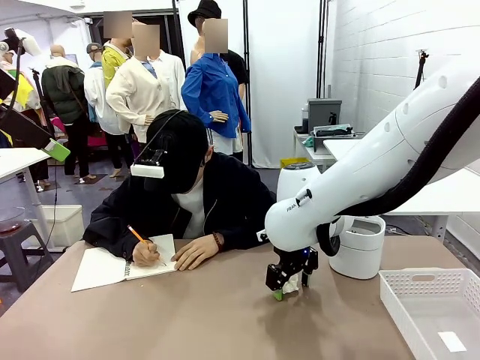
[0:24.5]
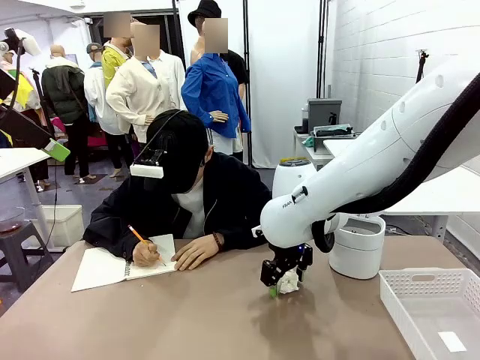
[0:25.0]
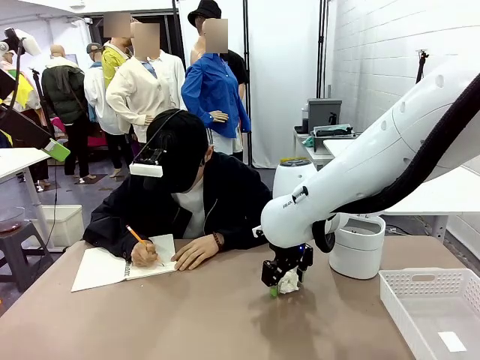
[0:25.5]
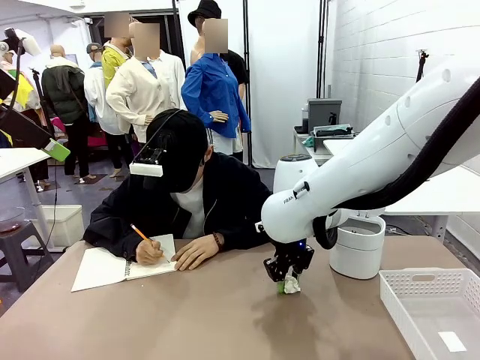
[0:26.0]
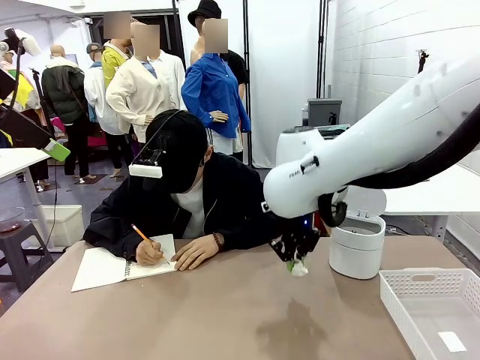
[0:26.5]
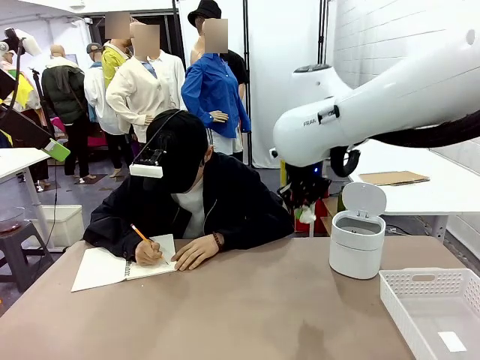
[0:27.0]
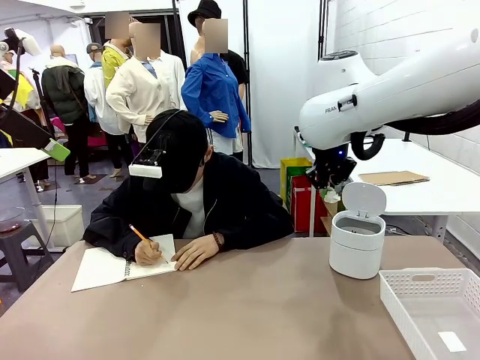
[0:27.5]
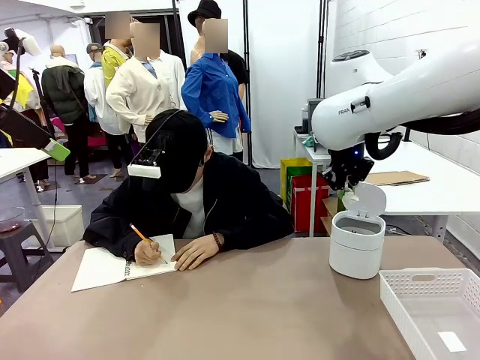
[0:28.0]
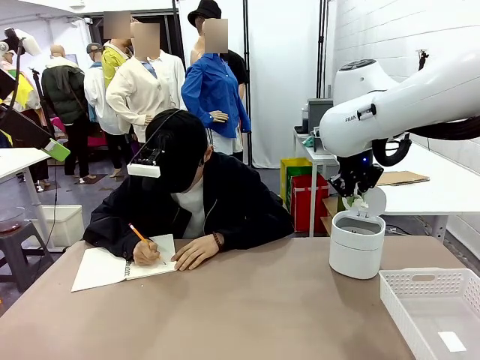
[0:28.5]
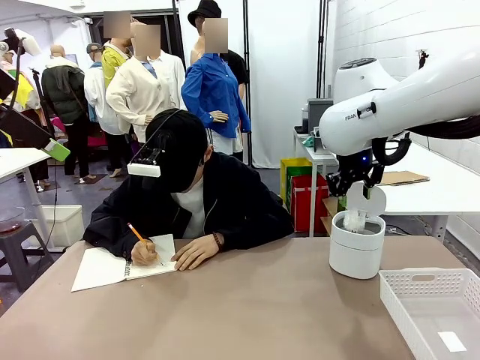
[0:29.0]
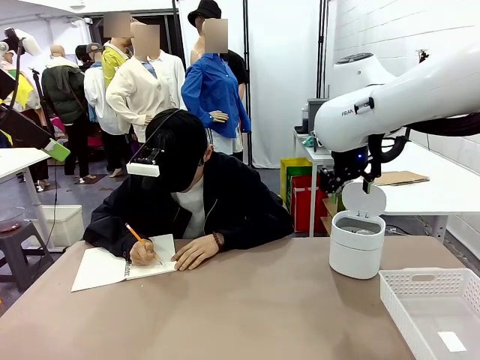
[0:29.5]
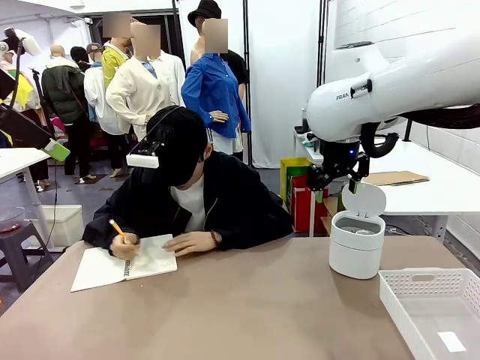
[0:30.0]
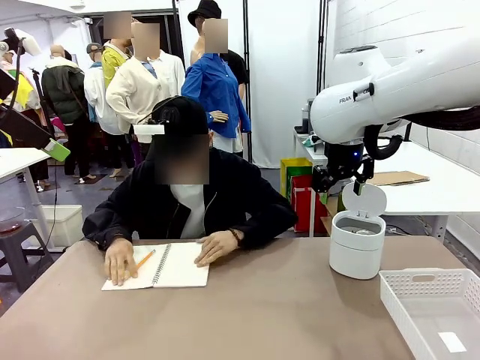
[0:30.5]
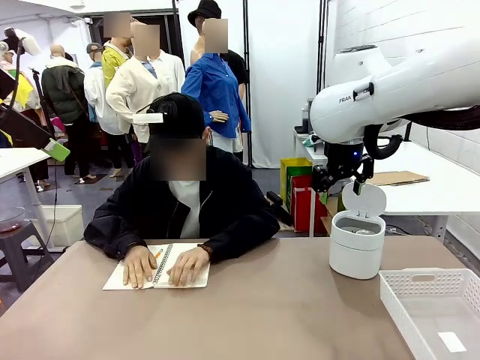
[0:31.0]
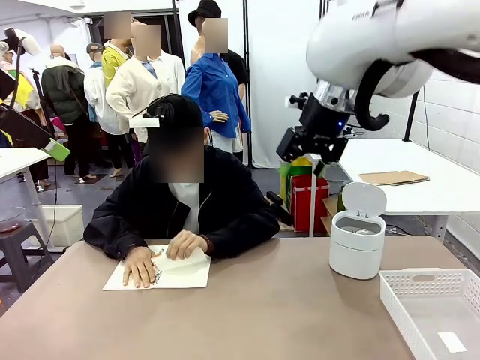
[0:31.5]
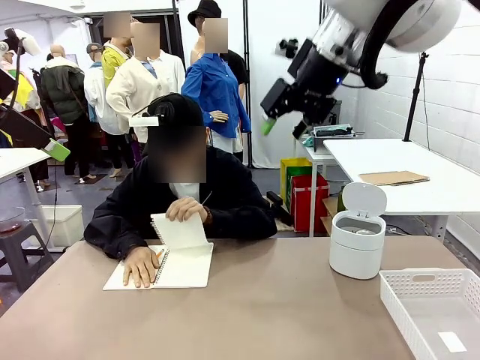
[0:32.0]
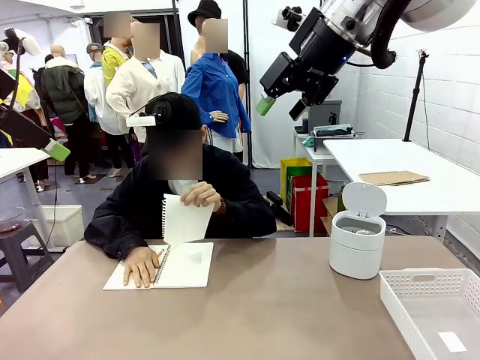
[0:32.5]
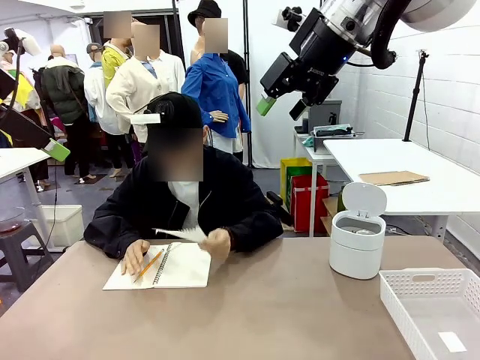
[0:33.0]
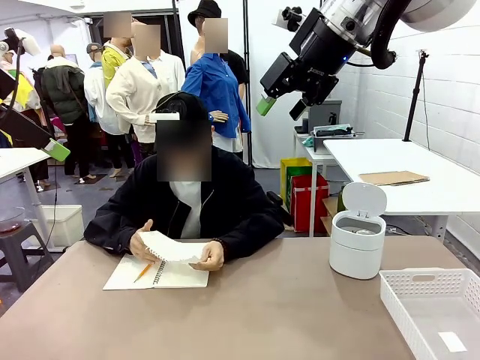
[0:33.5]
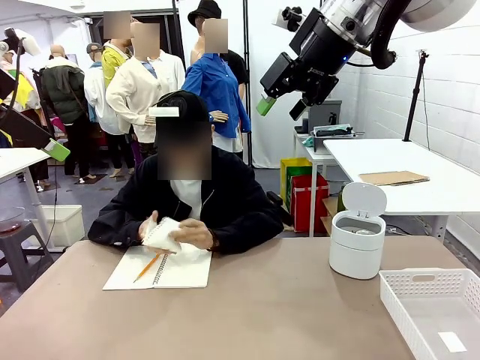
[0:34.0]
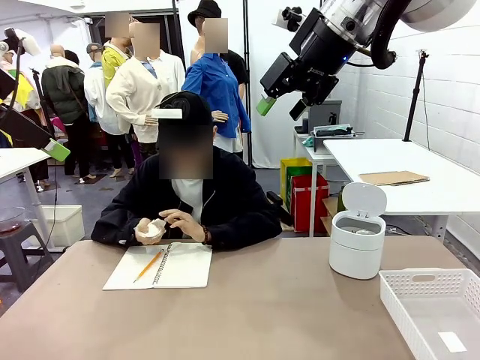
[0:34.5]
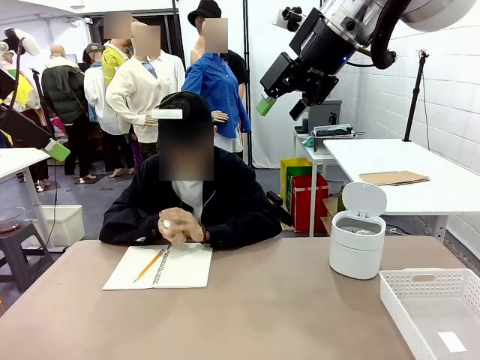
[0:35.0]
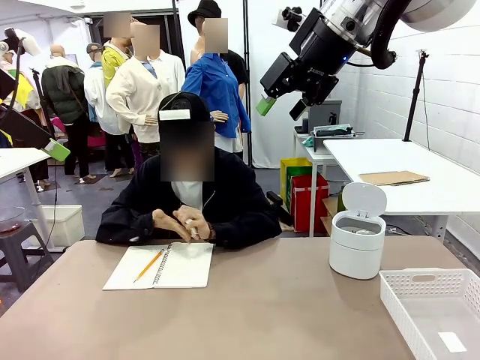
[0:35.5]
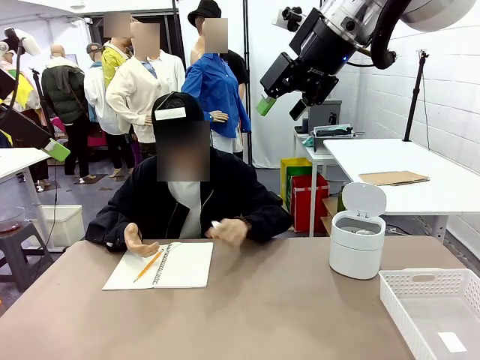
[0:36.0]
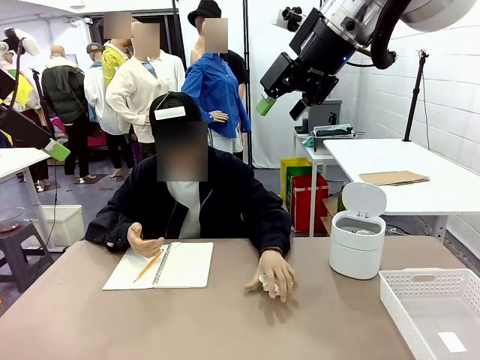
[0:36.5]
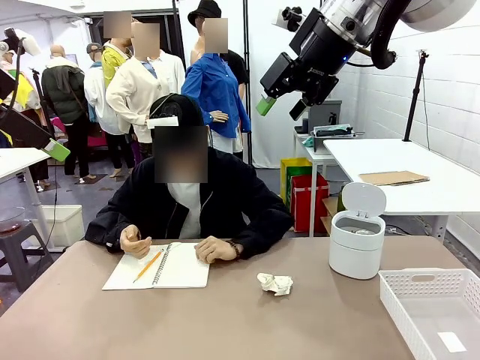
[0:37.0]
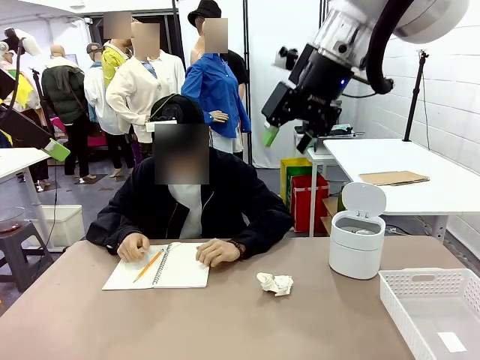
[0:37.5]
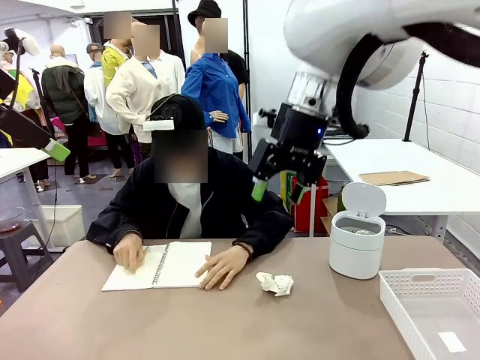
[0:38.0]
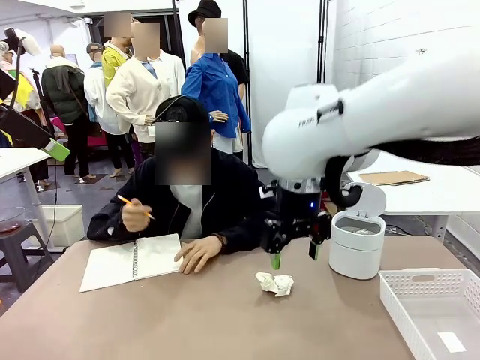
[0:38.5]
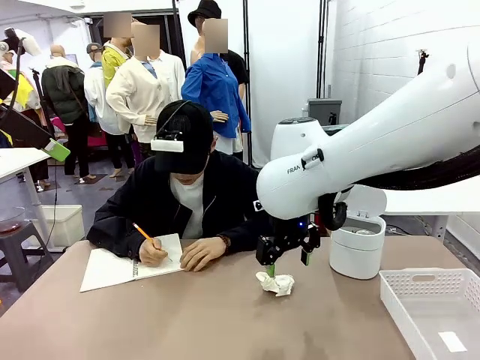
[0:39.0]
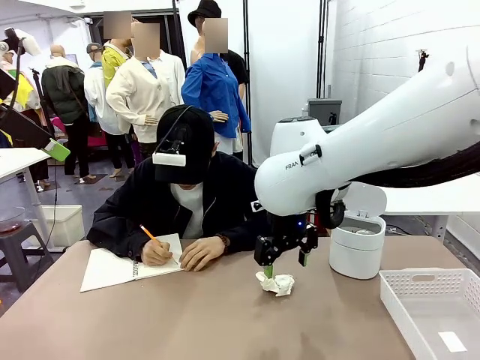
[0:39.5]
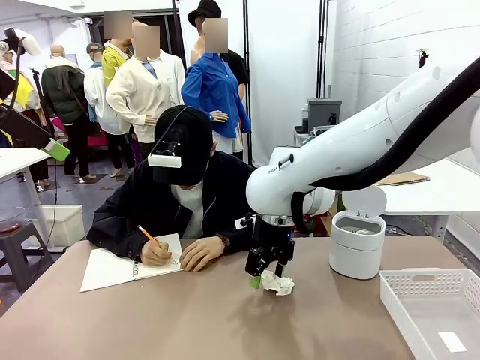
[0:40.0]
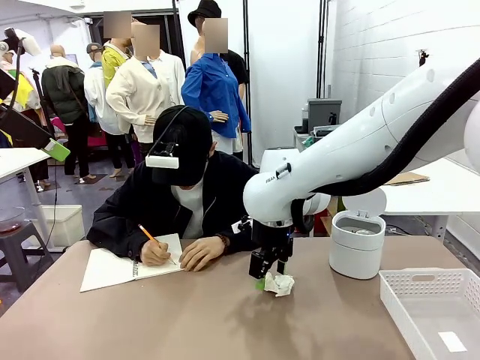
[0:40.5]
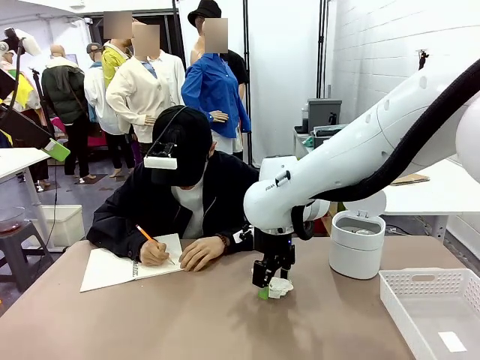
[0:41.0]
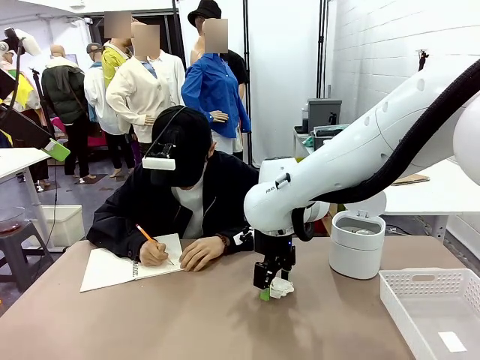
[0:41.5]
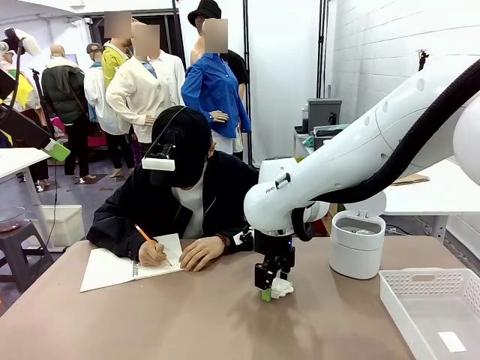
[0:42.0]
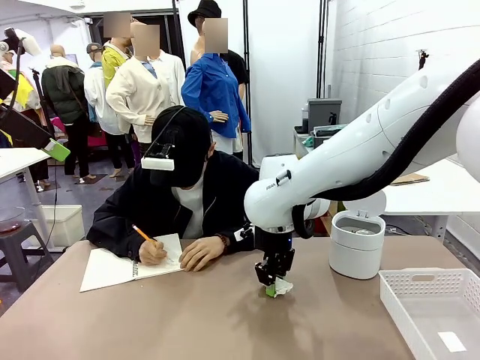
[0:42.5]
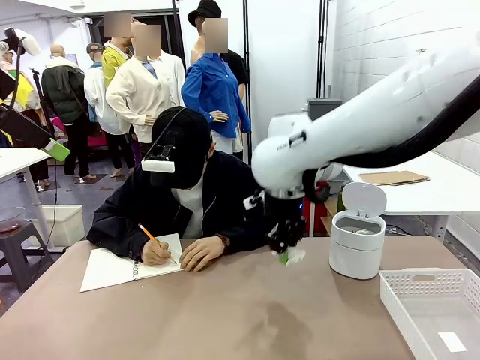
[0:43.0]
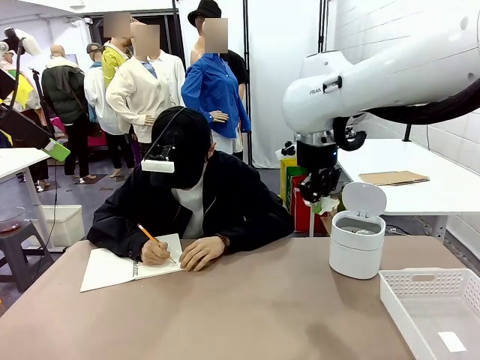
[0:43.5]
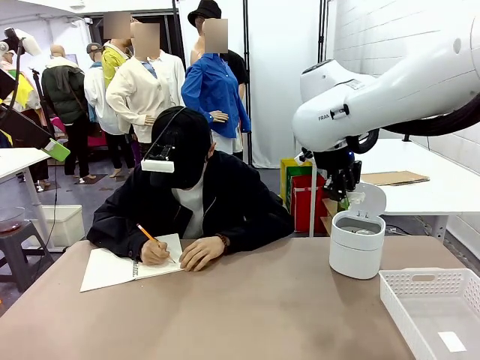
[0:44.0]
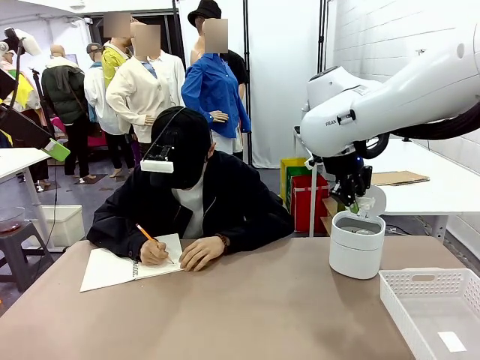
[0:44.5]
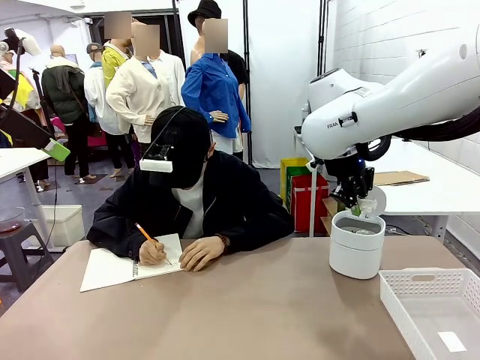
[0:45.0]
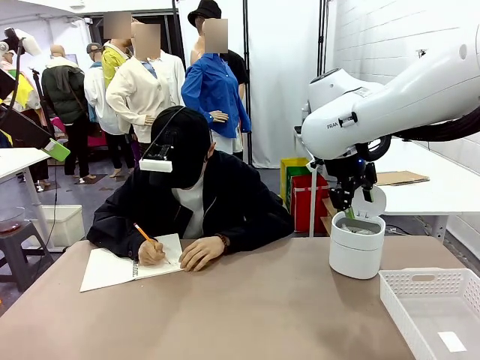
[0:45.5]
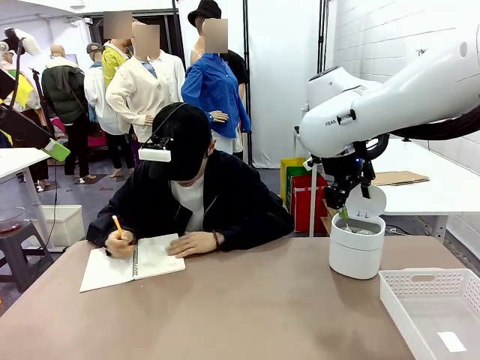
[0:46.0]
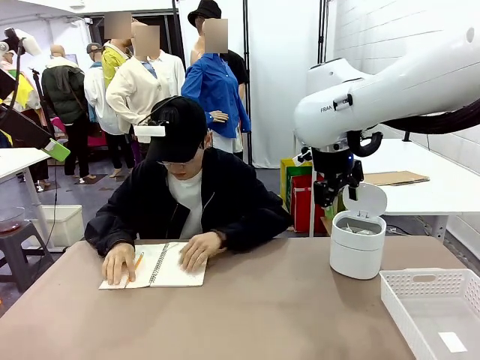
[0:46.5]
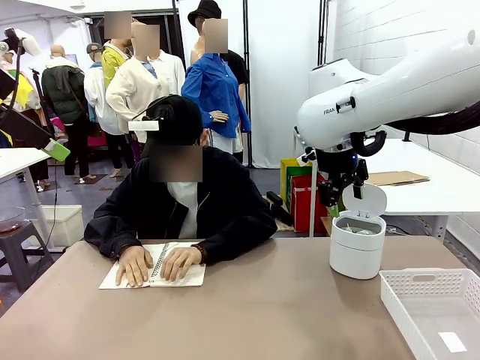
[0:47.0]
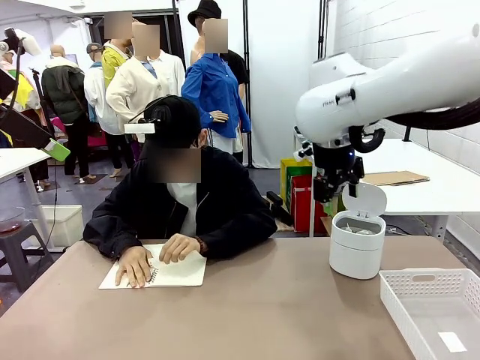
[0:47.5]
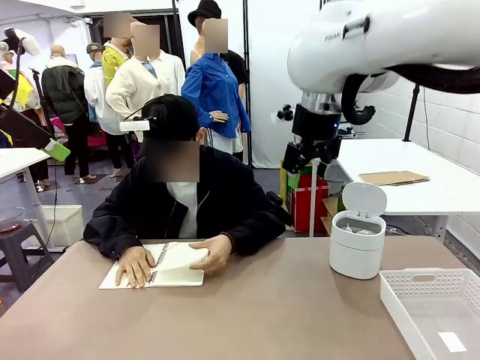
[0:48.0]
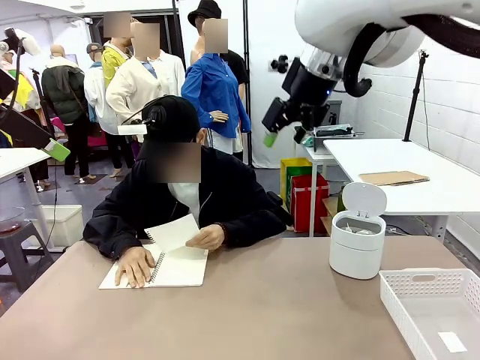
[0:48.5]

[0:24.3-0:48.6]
Task: Sort the paper based on its condition.
Robot: If a person hands you a paper, place it in the Organizing basket , and if it's crumpled, put it in the Trash can.
Person: Tear out a page from the spiral notebook. Hand the torn page to the robot or crumple it and throw it to the center of the table. Tear out a page from the spiral notebook.
